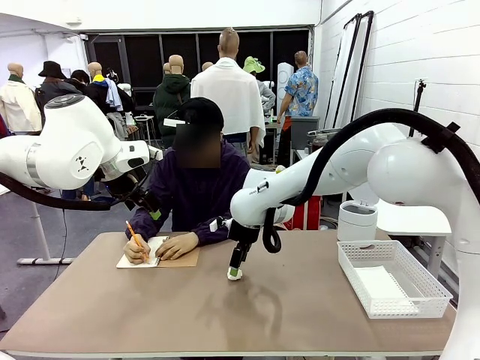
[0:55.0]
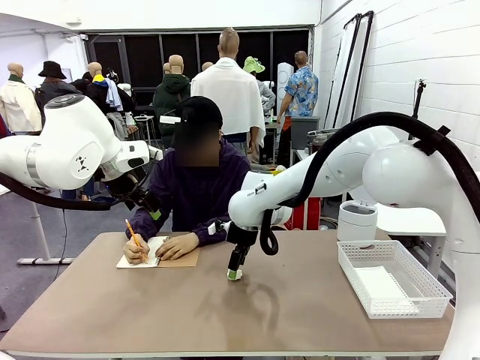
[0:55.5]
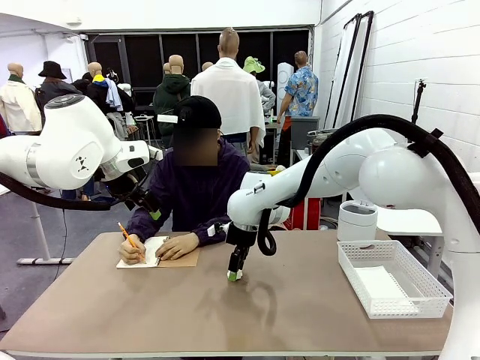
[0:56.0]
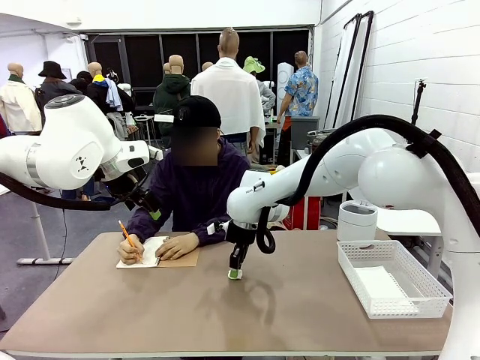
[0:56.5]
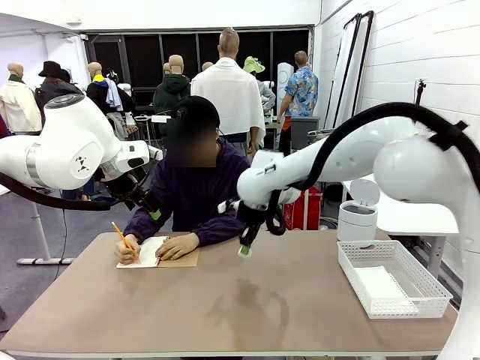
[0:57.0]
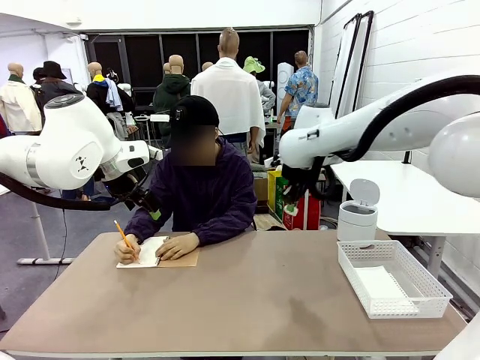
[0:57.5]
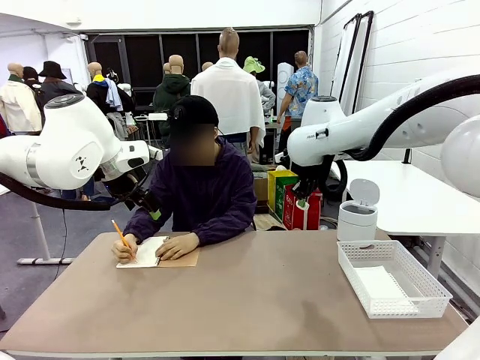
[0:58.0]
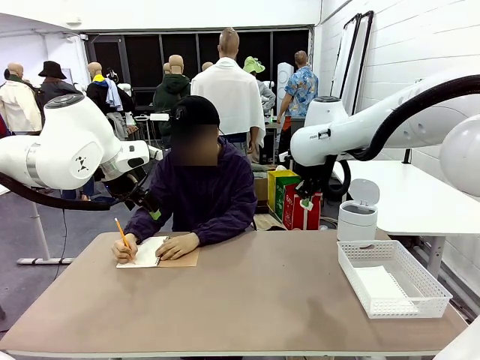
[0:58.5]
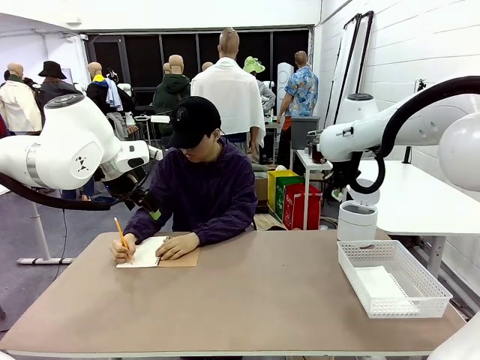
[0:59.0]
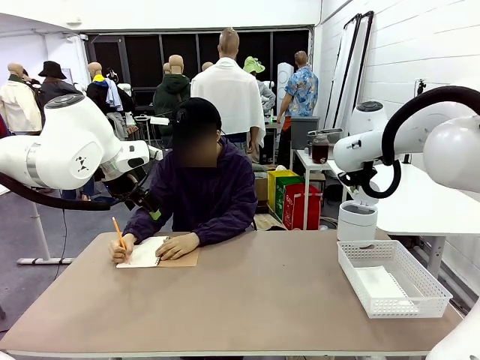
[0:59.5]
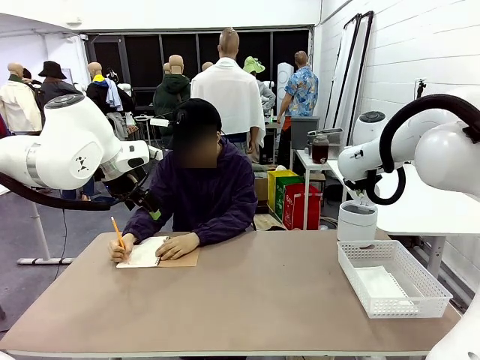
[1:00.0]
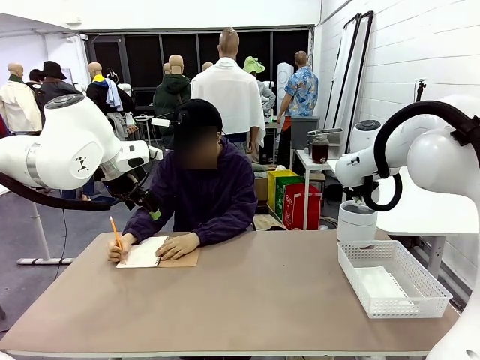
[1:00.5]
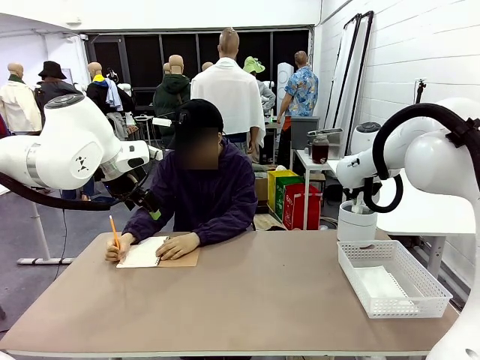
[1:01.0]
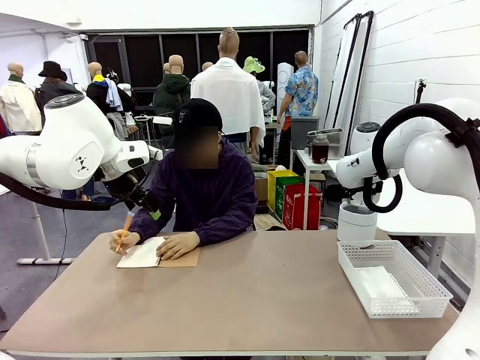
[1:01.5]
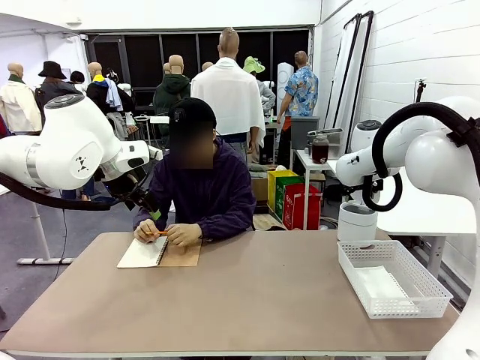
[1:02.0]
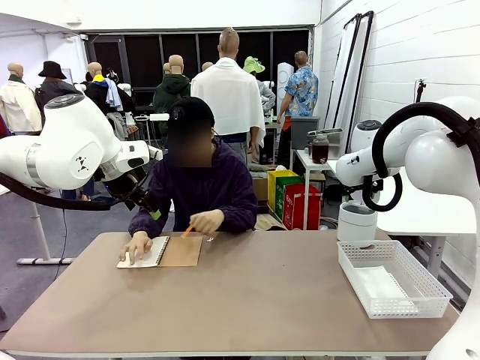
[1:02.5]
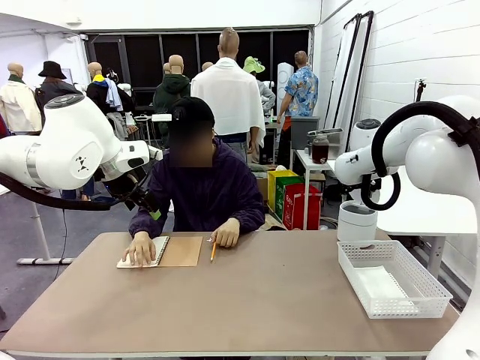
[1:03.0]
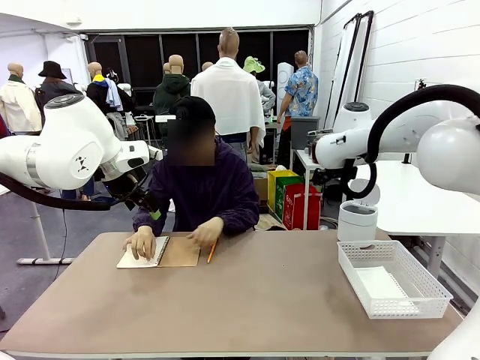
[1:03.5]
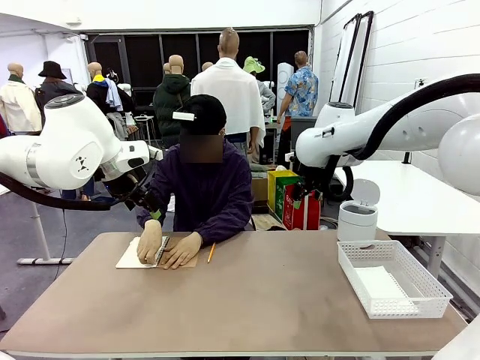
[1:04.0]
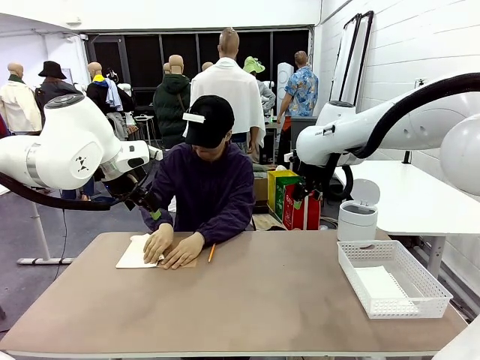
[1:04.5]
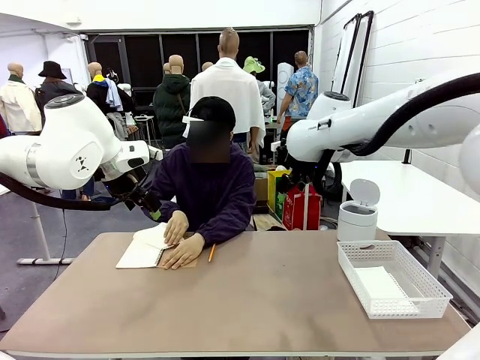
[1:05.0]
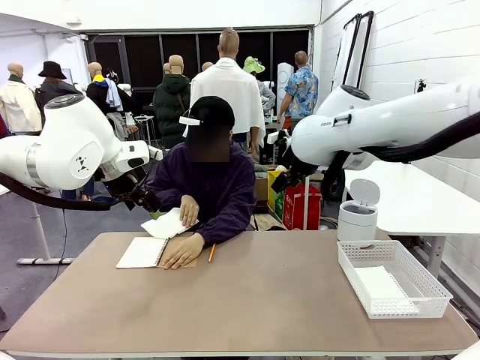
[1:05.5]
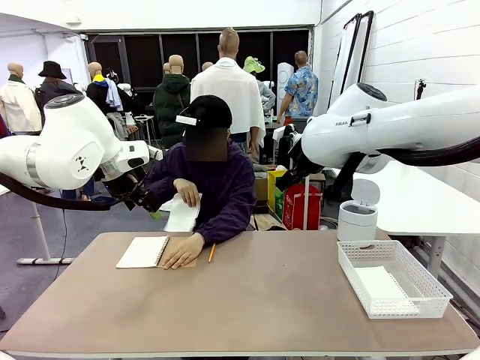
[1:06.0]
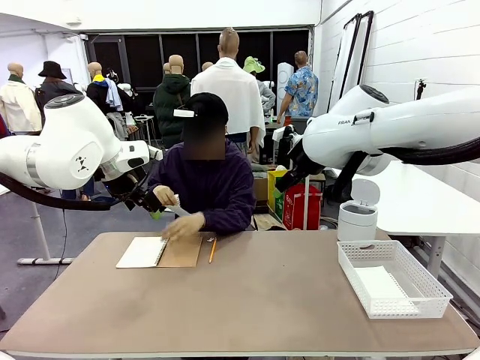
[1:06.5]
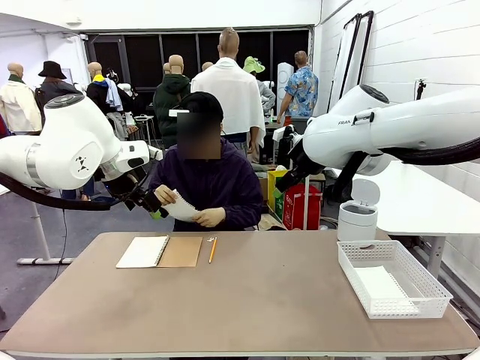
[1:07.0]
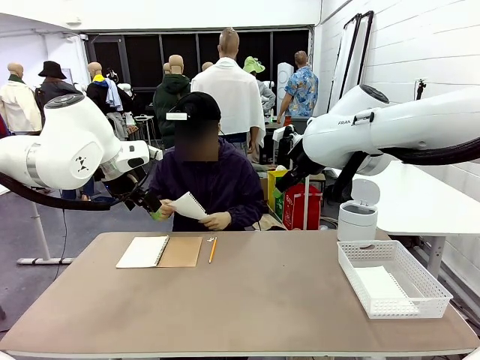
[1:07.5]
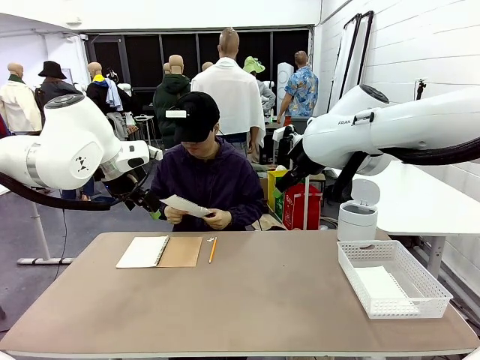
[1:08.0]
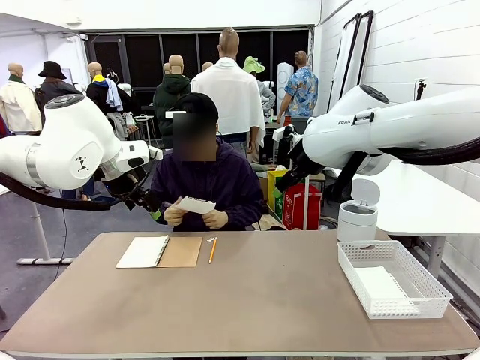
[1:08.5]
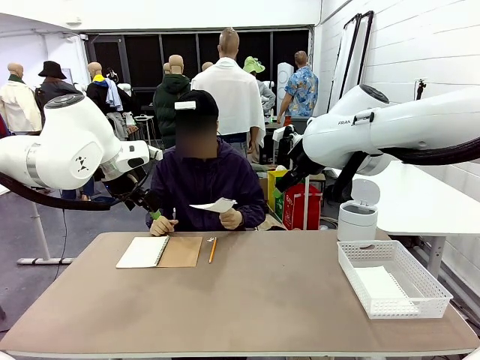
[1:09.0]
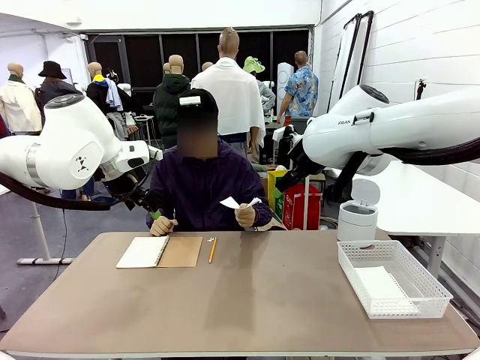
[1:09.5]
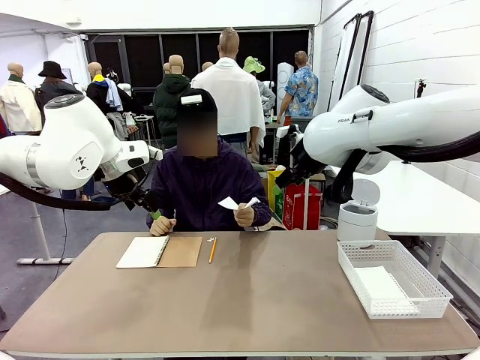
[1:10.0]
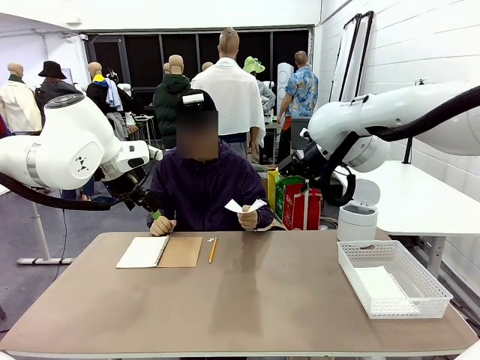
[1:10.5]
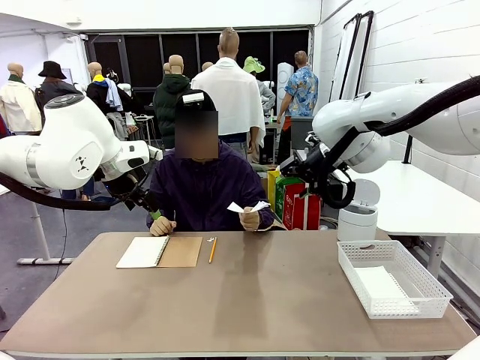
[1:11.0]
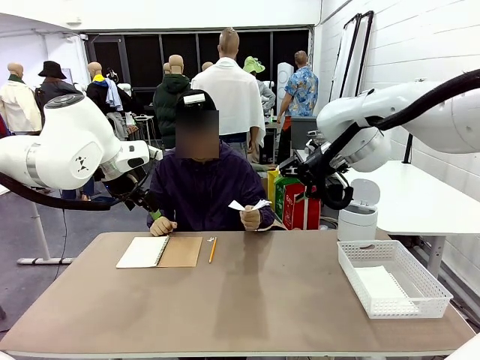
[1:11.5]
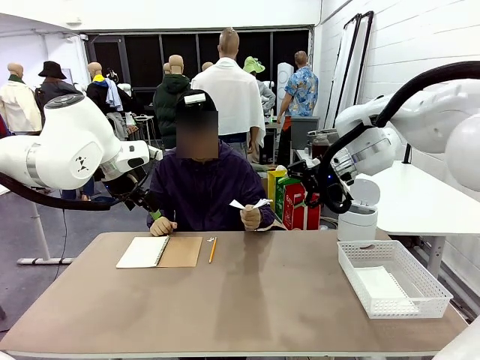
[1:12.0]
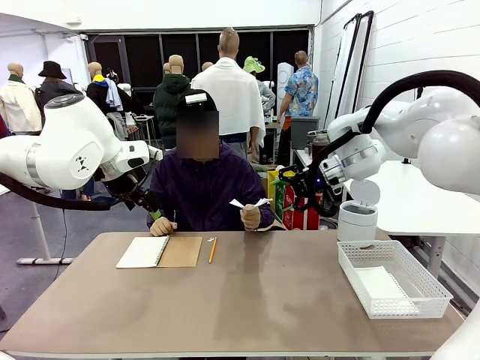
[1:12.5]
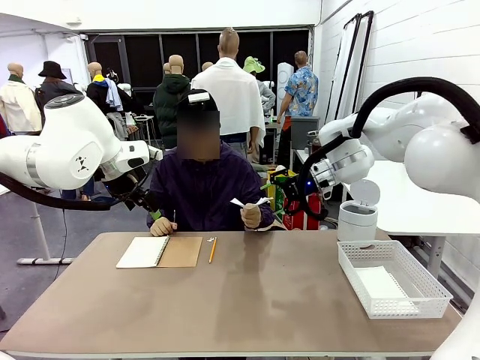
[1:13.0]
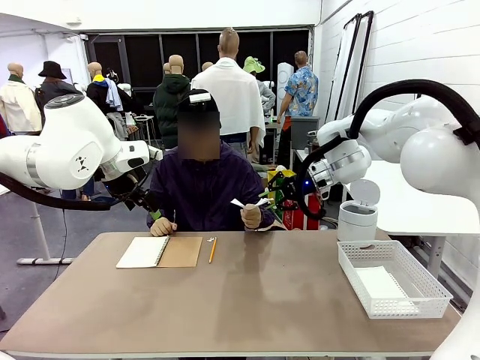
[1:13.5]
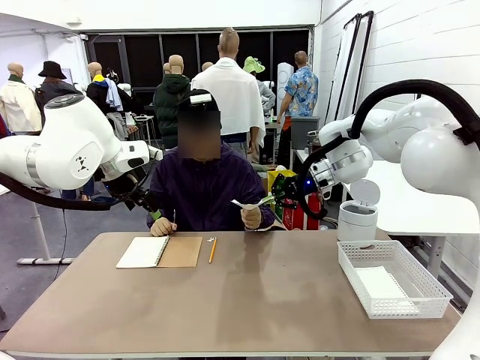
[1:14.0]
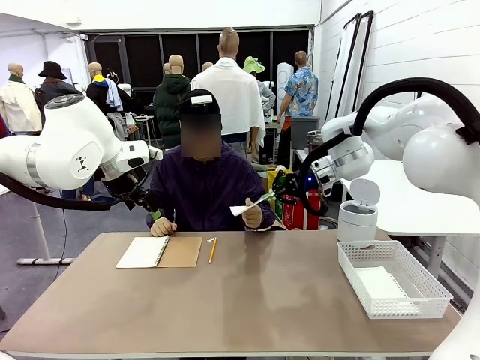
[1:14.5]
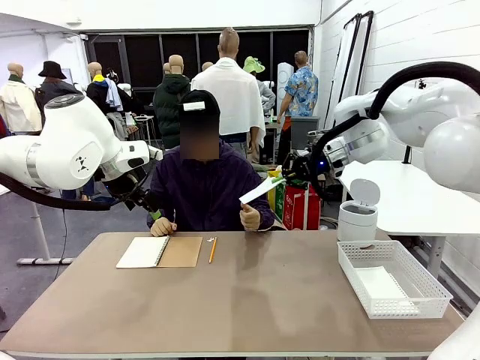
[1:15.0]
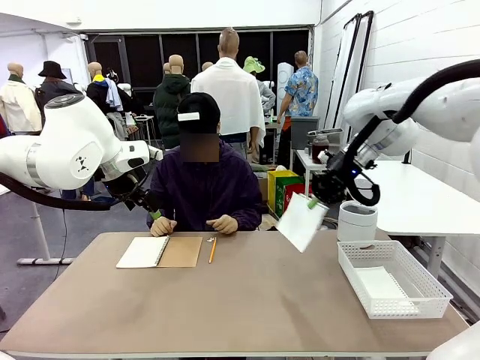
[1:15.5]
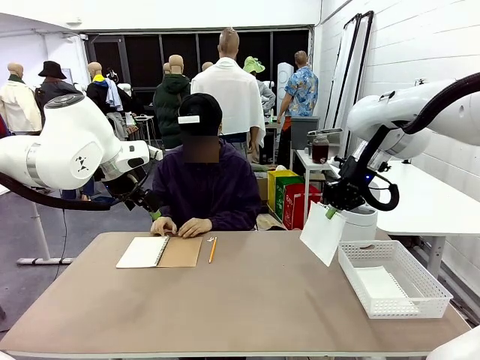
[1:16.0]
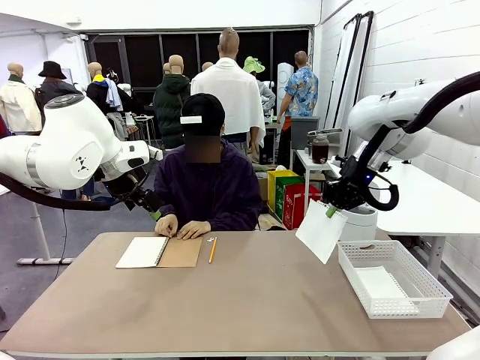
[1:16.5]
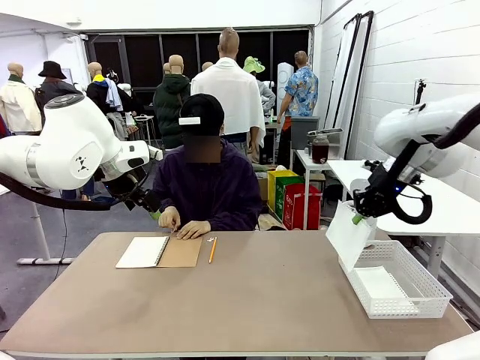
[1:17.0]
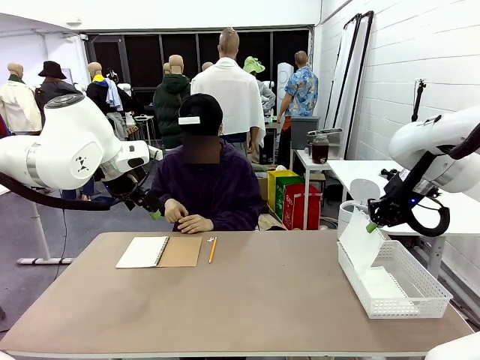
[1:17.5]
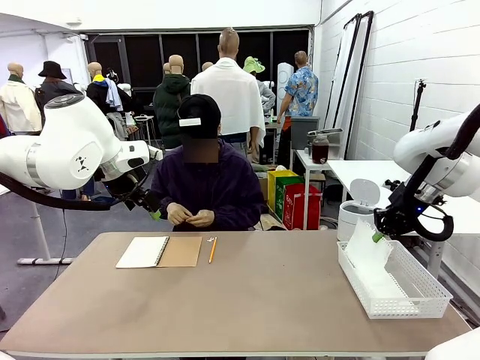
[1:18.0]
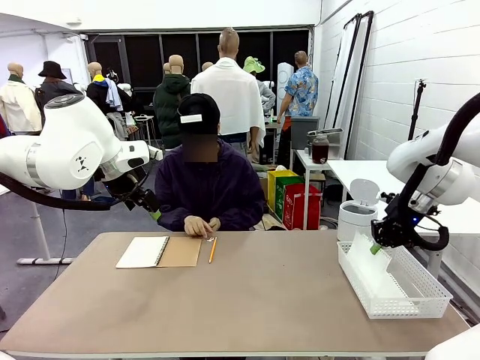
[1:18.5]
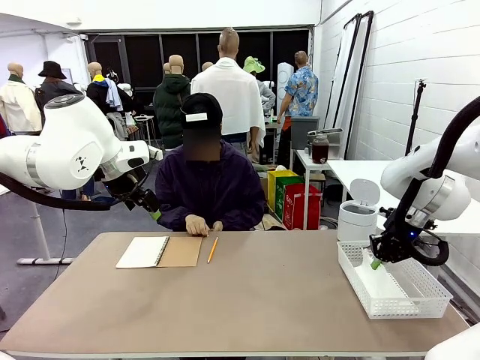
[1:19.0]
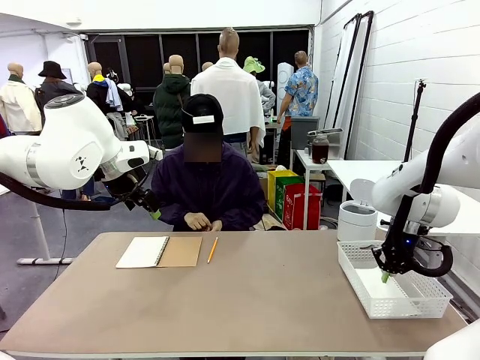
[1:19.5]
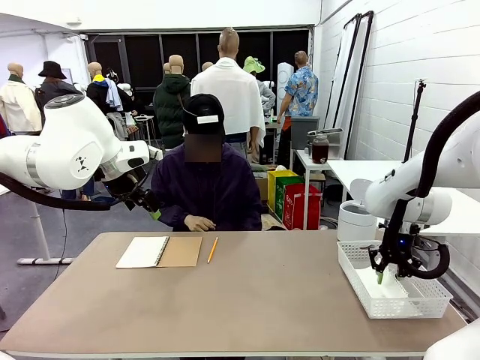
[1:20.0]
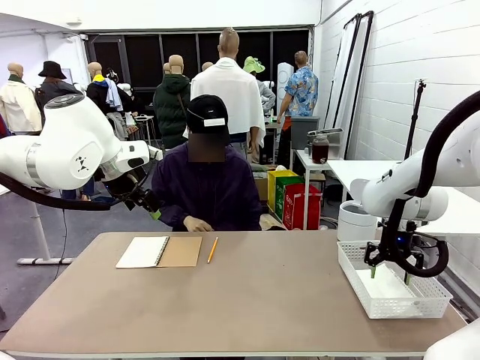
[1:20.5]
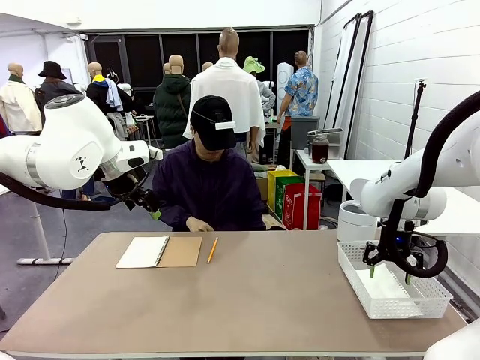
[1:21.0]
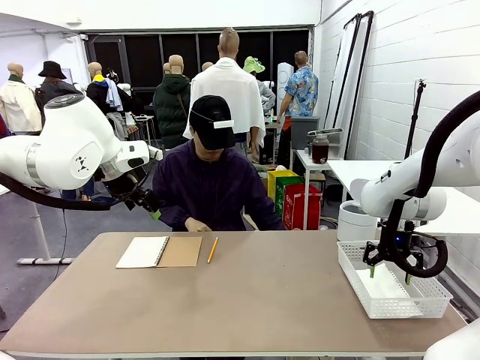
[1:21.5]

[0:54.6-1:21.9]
Task: Sort the paper based on its condition.
Robot: If a person hands you a paper, place it in the Organizing basket , and if it's crumpled, put it in the Trash can.
Person: Tear out a page from the spiral notebook. Hand the torn page to the robot or crumple it and throw it to the center of the table.
